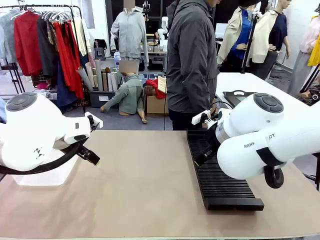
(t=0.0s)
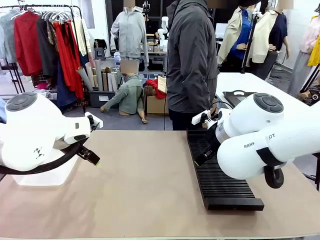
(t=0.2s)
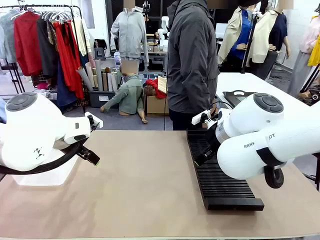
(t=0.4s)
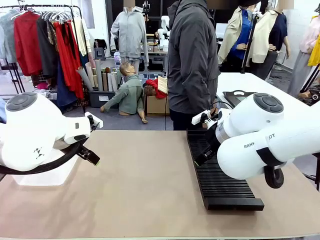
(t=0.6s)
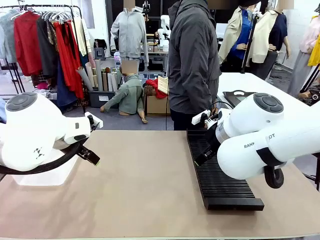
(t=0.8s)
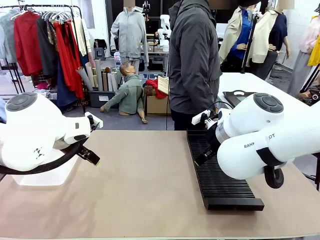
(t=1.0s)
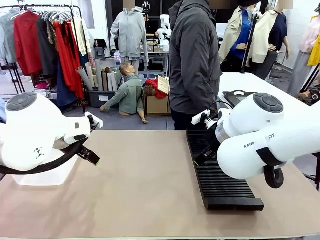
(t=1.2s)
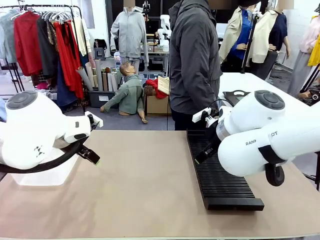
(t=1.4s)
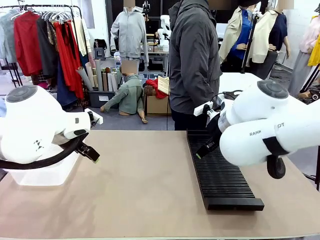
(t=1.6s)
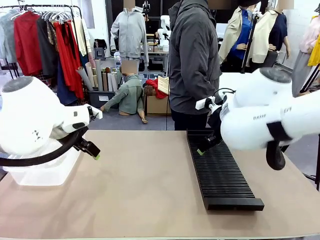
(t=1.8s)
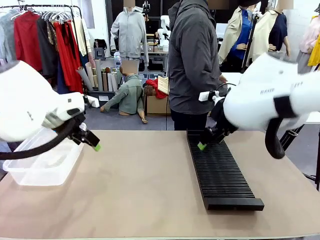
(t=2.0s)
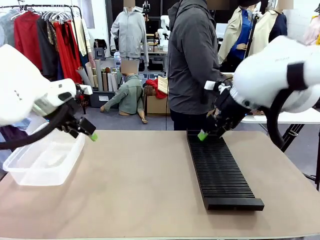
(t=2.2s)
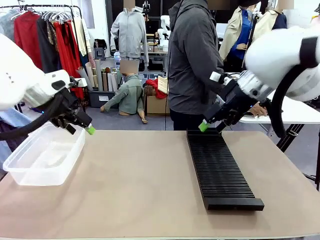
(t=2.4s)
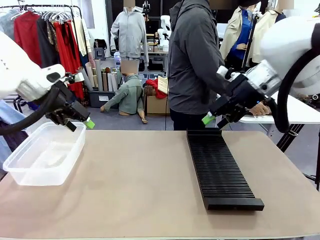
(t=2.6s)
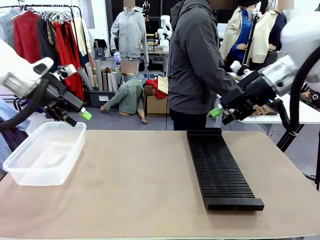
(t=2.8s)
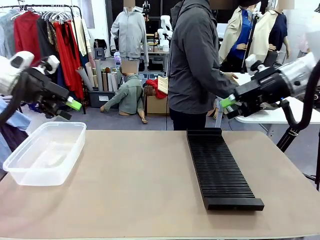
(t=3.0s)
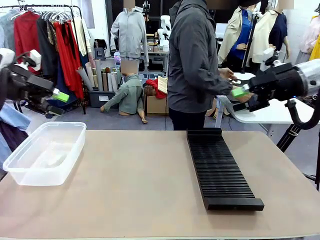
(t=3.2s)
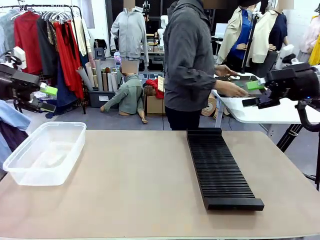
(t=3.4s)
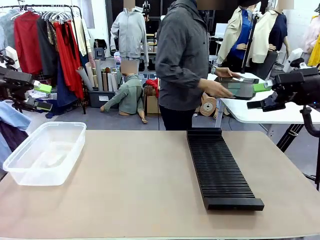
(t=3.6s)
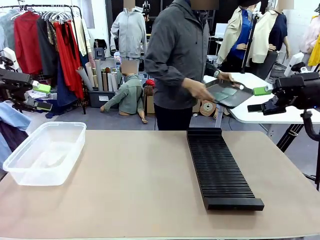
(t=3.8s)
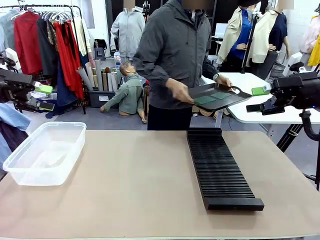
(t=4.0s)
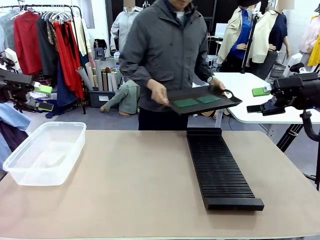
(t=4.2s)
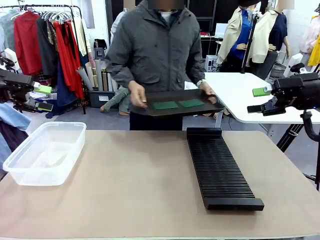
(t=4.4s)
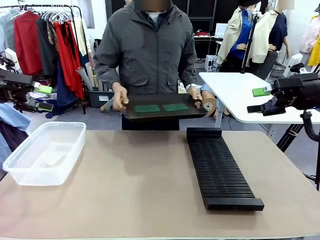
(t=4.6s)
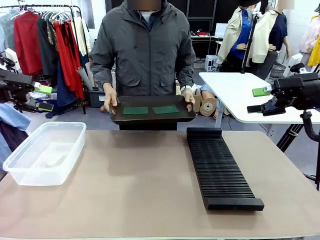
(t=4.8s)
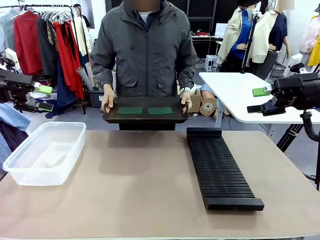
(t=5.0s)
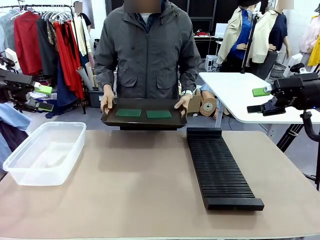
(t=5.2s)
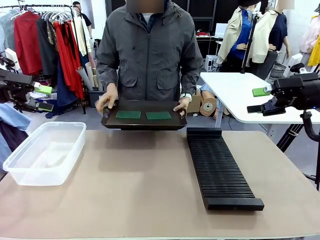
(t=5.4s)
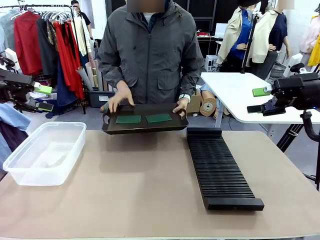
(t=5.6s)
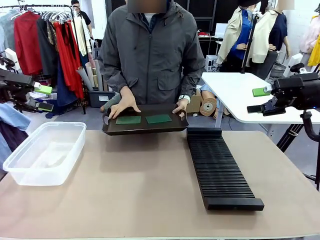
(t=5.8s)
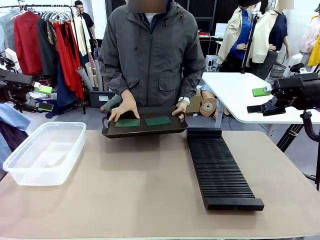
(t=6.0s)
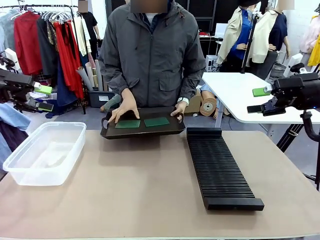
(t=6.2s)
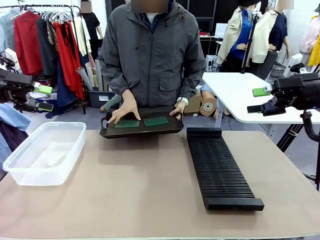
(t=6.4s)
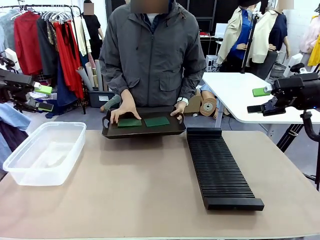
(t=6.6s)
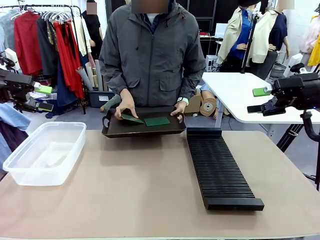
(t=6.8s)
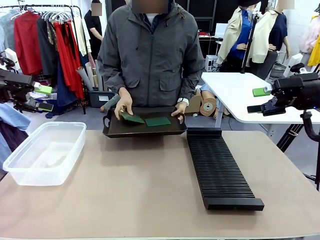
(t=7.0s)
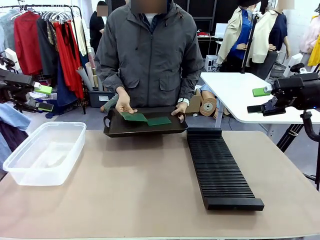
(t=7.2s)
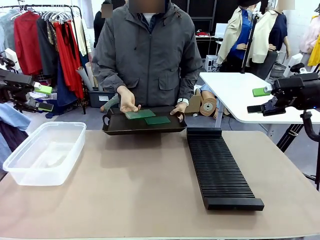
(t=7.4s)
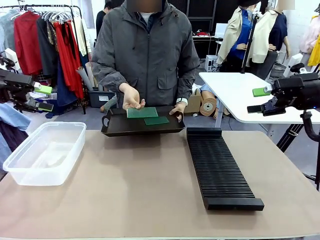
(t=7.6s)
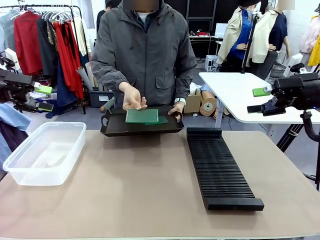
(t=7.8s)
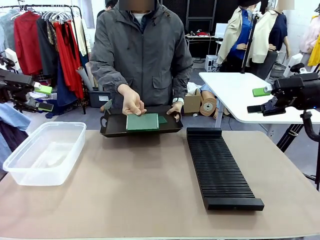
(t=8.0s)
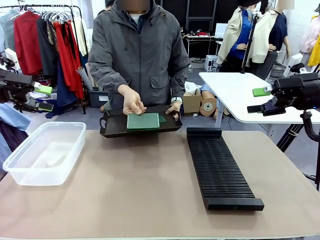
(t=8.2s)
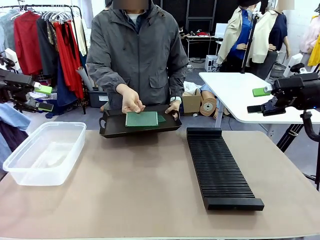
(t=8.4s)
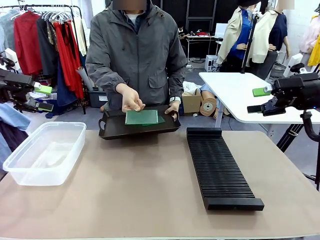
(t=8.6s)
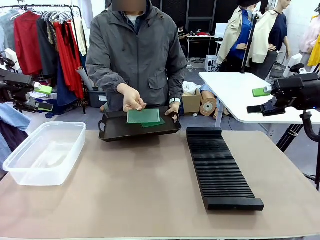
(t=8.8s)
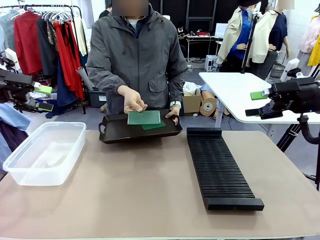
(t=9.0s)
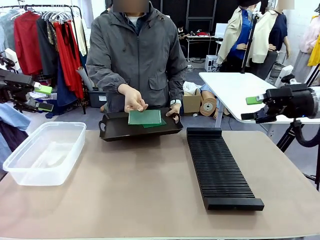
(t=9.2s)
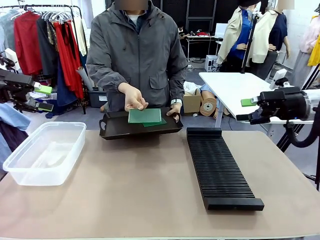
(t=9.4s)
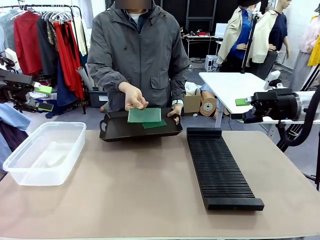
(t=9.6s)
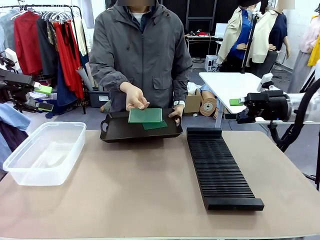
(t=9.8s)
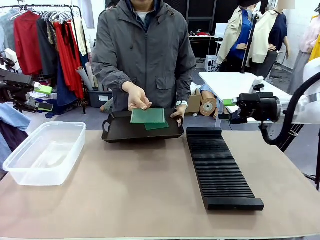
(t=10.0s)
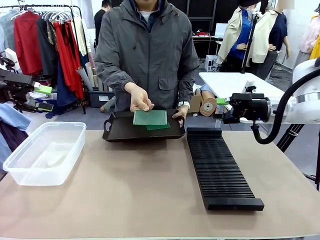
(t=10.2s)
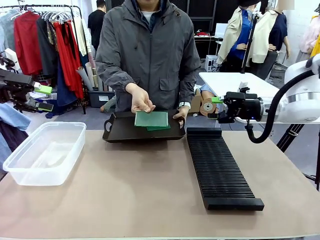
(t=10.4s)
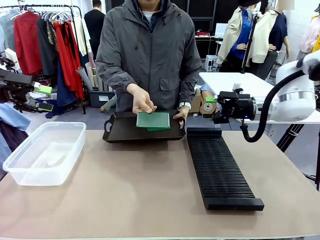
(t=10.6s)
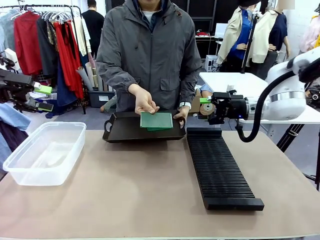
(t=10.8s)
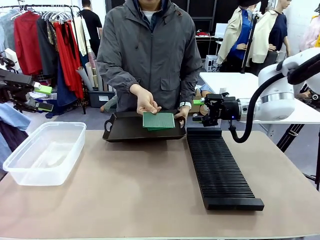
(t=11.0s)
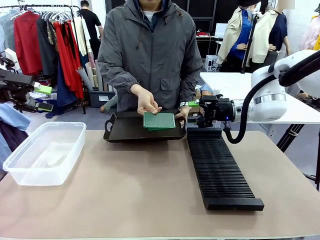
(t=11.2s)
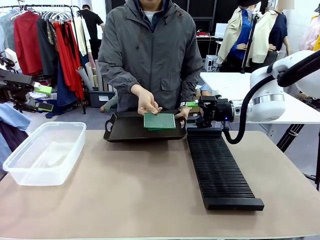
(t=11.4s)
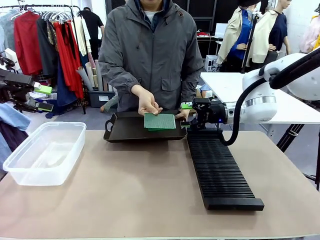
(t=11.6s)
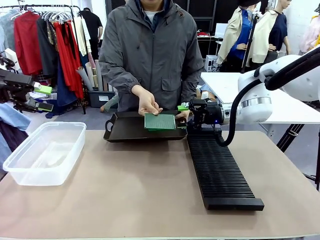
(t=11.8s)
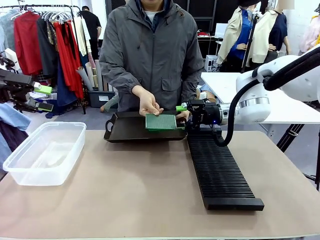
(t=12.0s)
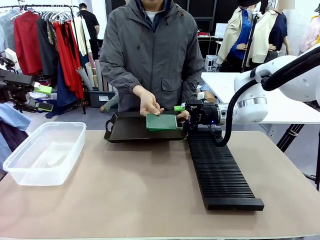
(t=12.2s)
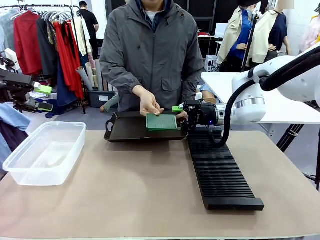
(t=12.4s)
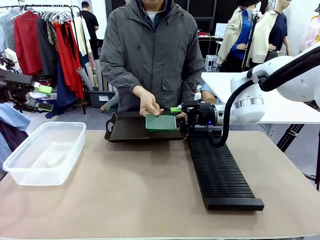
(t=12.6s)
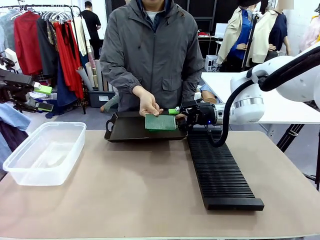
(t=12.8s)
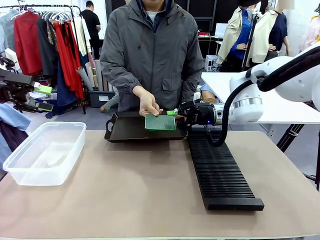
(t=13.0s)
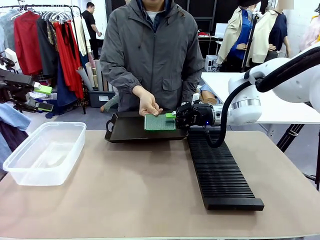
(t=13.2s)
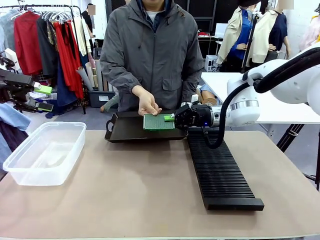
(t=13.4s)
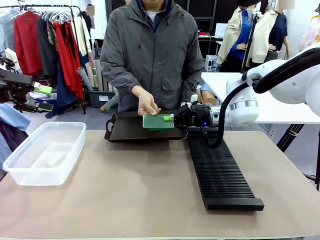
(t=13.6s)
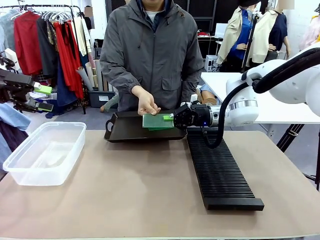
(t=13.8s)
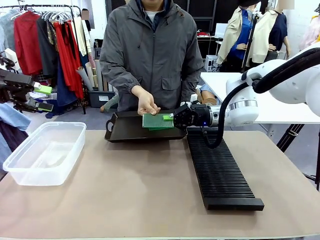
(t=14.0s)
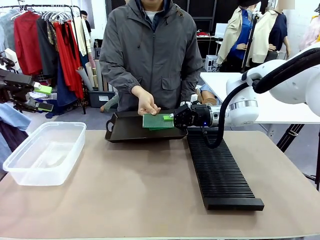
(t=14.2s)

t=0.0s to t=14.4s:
Task: Sort PCBs into racks and boxes based on the side picked up.
Robot: Pick up the Blank PCB handed by the Human.
Person: Pick one PCB from the tray and present it to the robot. Release the PCB being held.
